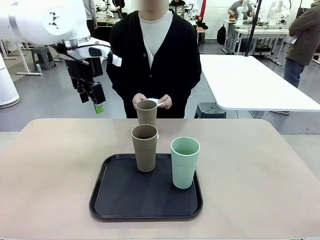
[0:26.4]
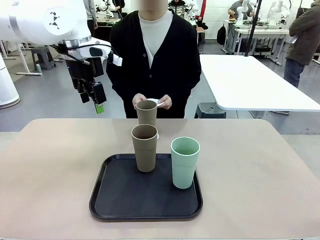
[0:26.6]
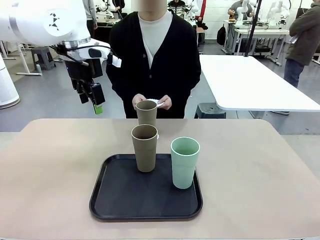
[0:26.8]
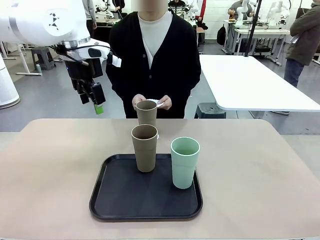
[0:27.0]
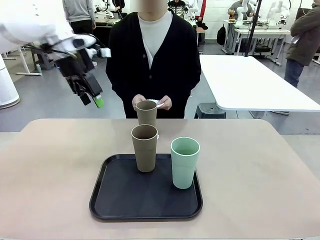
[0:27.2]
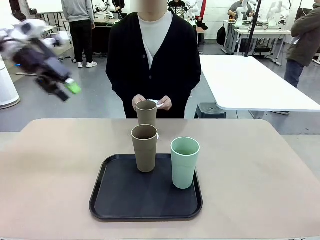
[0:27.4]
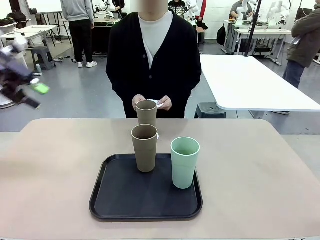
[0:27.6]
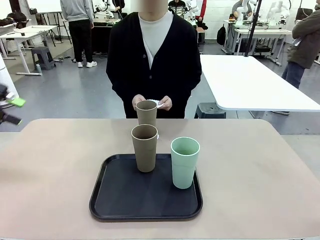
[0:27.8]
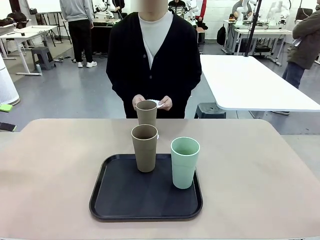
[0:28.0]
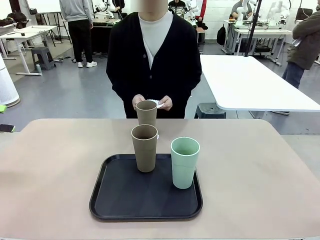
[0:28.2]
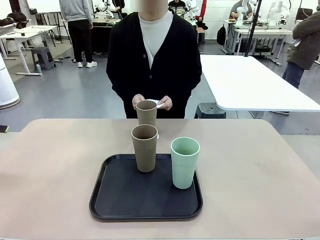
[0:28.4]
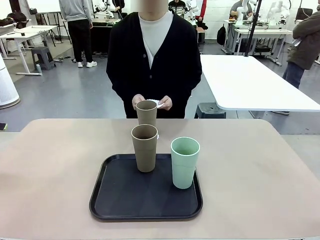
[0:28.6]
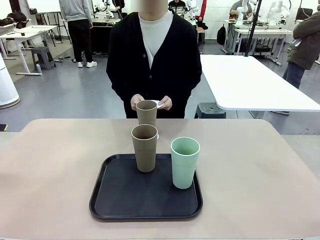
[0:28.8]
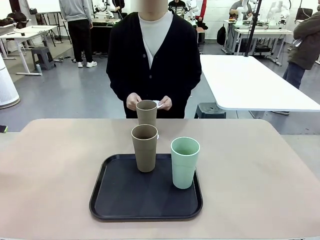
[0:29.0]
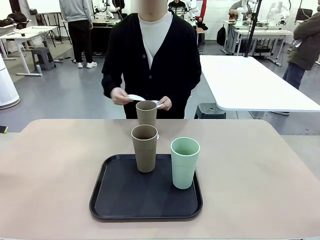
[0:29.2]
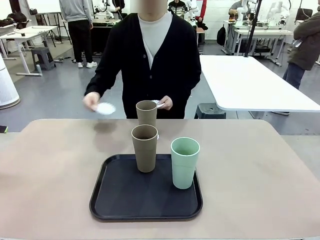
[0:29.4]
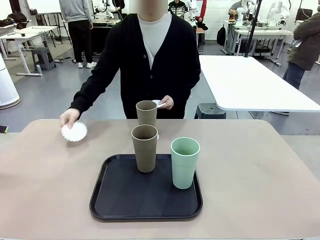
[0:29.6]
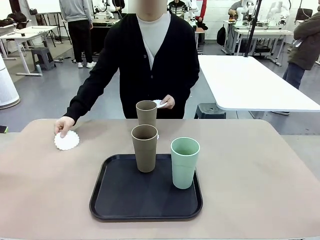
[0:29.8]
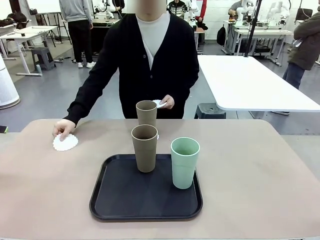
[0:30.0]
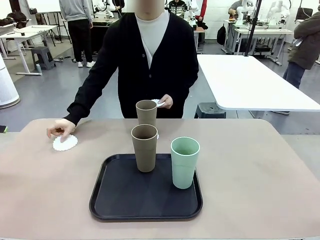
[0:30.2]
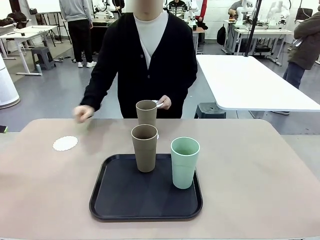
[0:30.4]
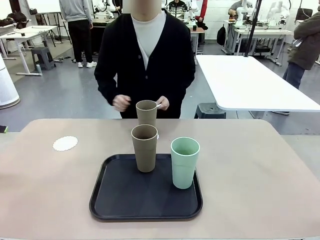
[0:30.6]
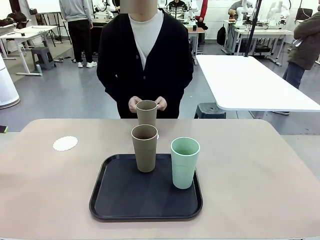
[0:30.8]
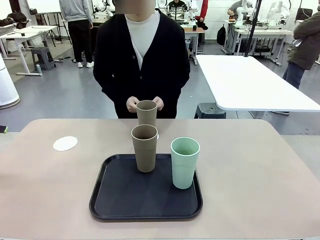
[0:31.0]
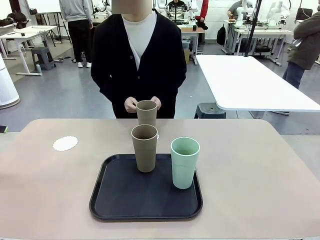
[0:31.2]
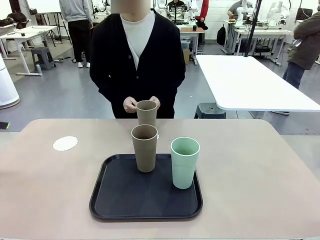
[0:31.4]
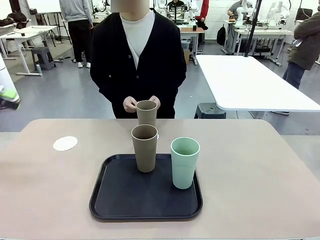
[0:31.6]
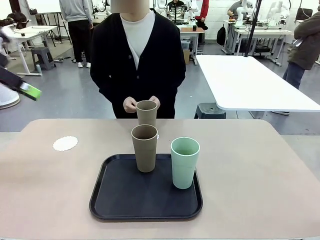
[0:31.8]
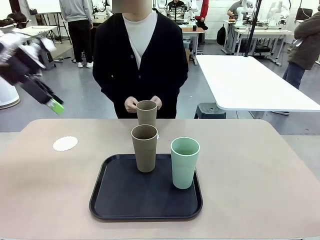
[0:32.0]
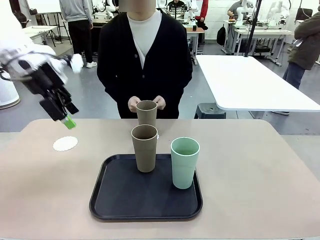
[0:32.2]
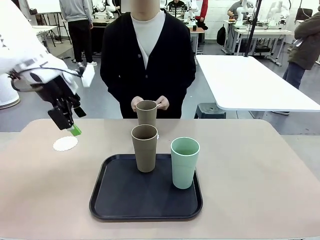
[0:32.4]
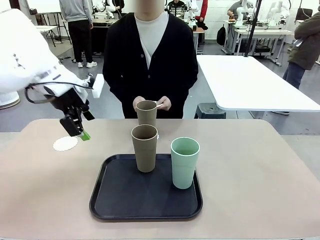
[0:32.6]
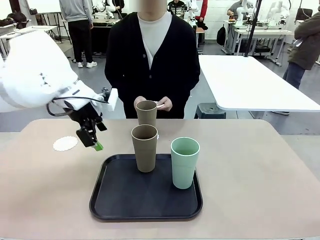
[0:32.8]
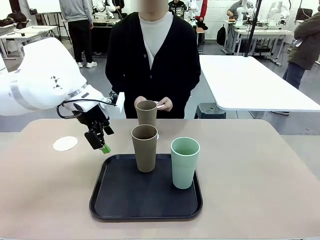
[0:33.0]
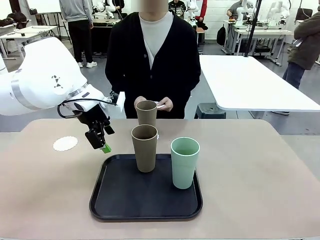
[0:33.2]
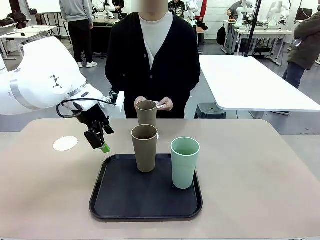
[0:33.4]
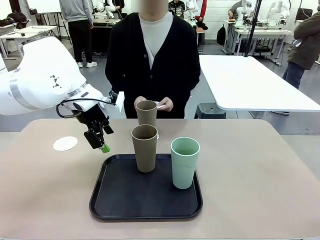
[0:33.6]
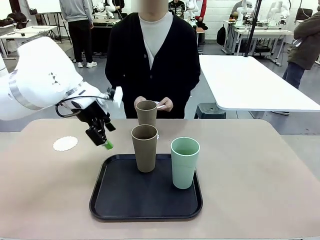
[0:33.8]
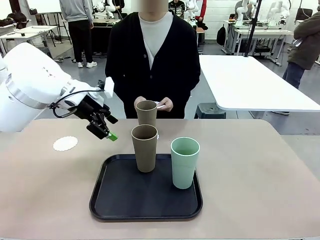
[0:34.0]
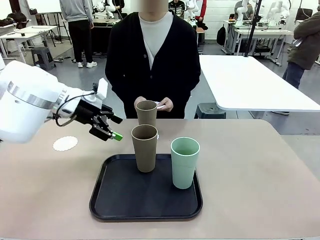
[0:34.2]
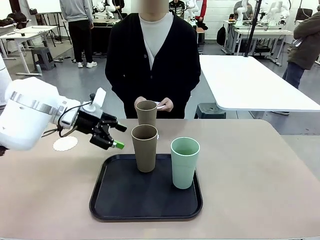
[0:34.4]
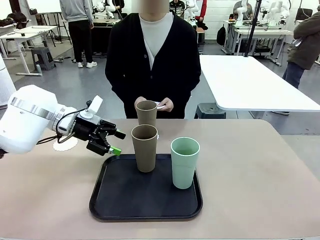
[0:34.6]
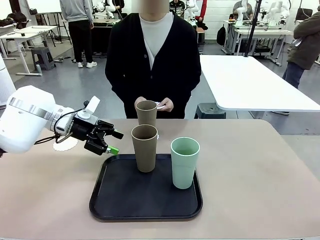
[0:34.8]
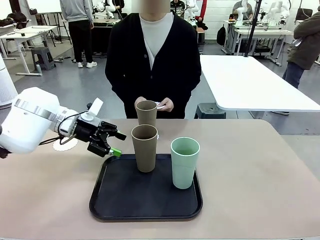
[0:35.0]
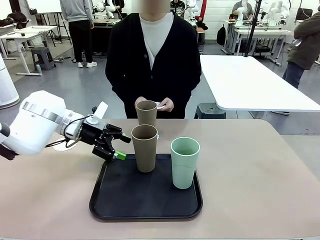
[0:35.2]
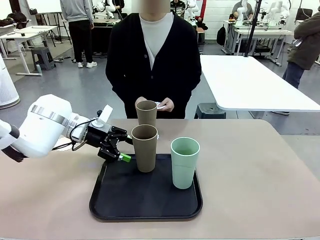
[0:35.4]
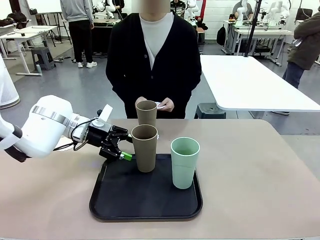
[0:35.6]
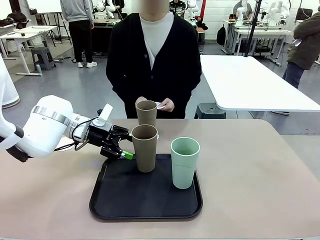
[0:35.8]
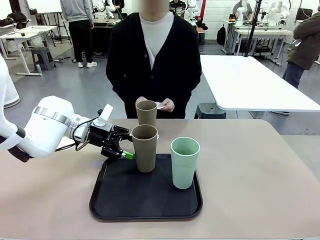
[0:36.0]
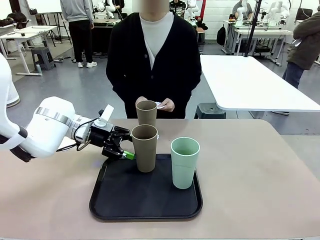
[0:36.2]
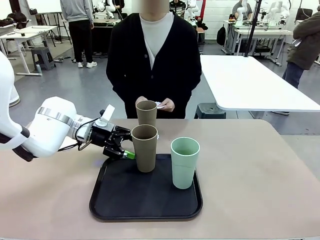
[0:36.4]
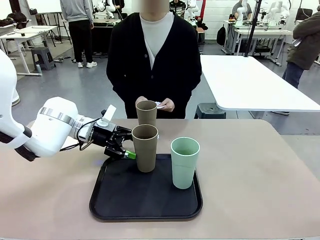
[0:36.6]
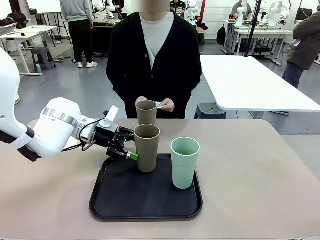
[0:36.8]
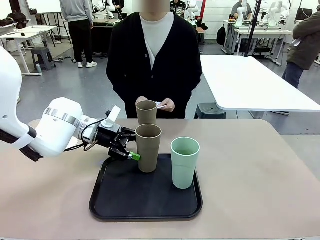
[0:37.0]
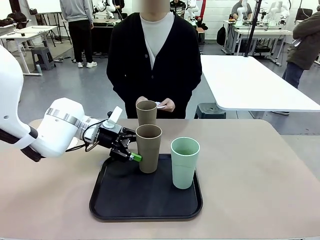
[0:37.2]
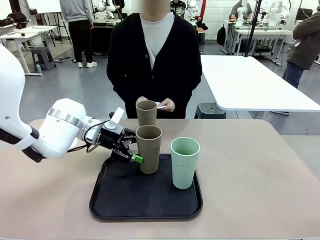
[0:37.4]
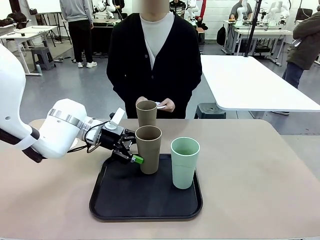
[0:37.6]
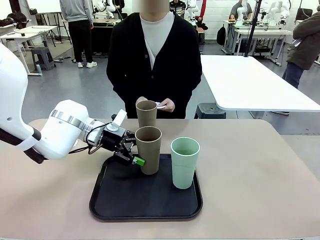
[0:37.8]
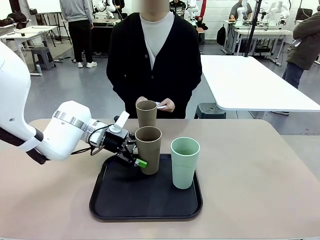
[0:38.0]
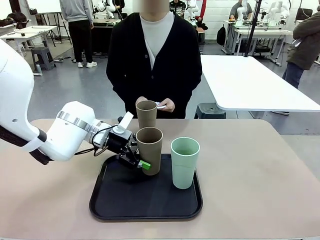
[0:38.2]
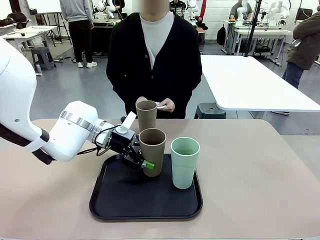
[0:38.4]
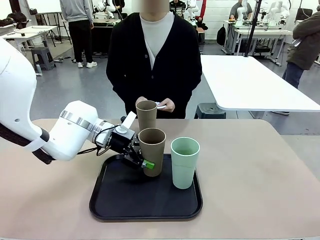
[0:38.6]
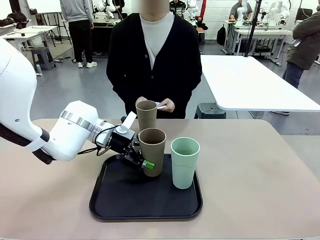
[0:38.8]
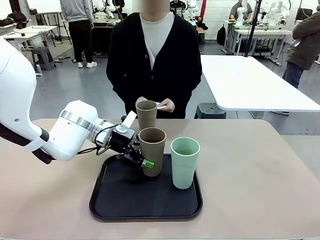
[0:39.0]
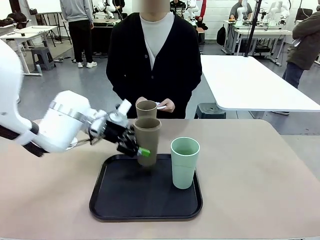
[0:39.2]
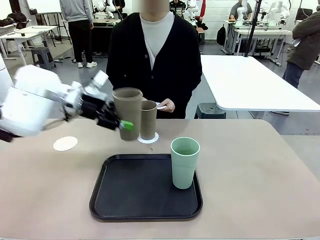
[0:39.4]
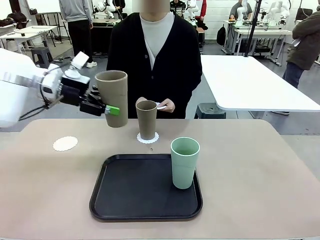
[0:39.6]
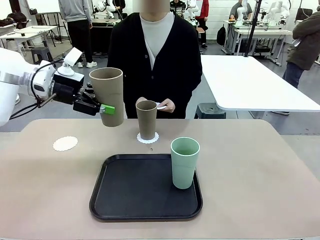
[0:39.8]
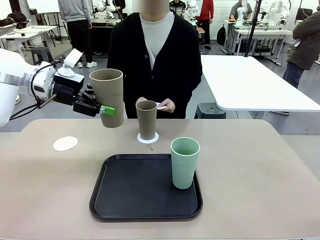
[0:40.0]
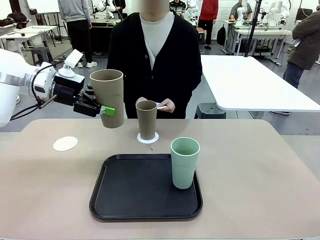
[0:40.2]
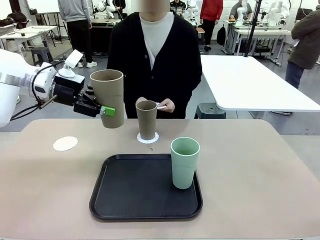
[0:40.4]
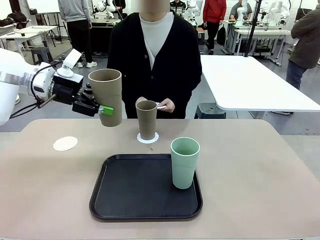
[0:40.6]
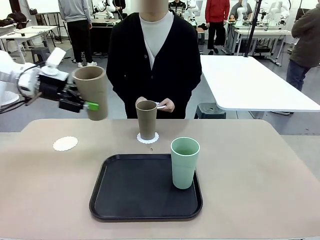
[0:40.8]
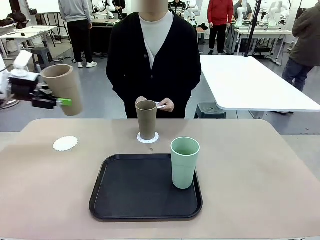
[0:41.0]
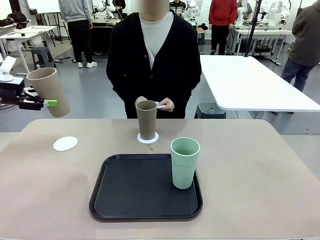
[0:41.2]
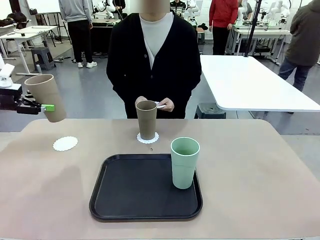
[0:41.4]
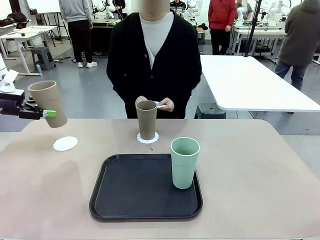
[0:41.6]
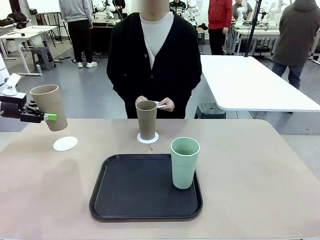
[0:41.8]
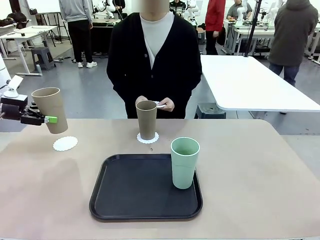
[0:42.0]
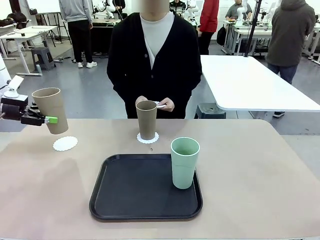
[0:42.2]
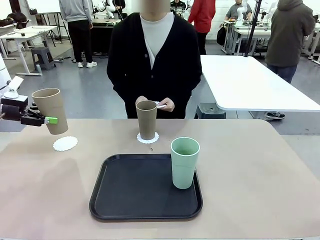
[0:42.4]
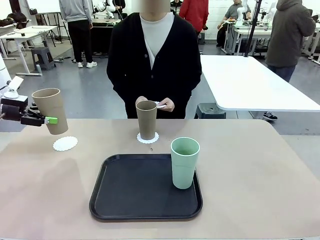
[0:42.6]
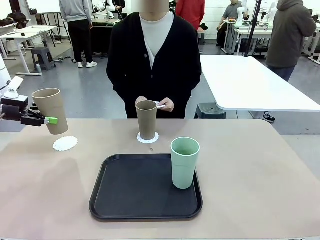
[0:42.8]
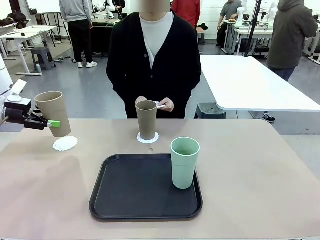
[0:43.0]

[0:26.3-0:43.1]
Task: Place coasters on the table and set cups on them.
Robot: Take one Reusable plastic cup from the Flat Tray and place it on a coaster set by the human.
